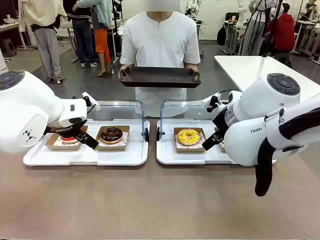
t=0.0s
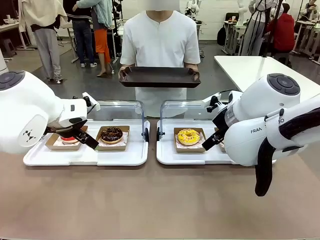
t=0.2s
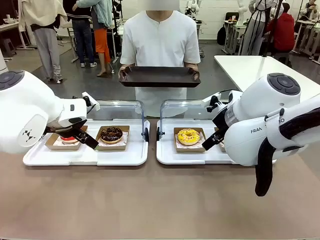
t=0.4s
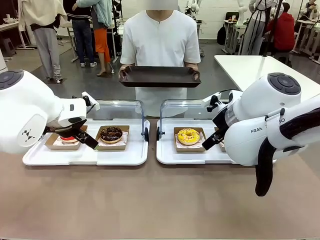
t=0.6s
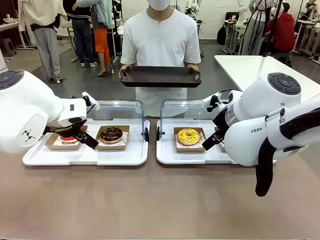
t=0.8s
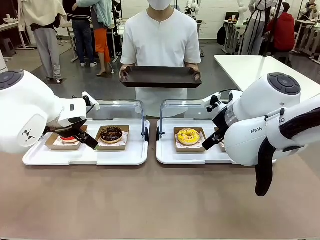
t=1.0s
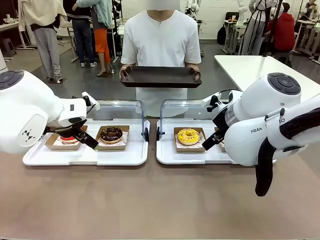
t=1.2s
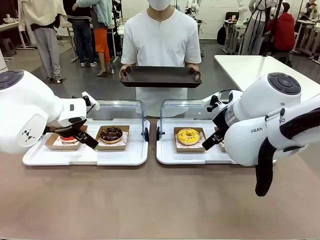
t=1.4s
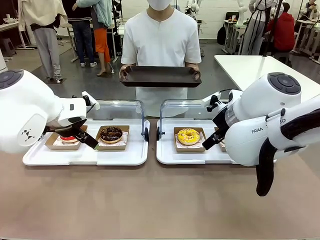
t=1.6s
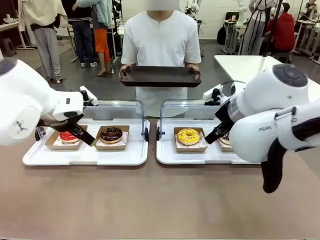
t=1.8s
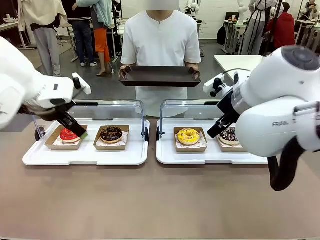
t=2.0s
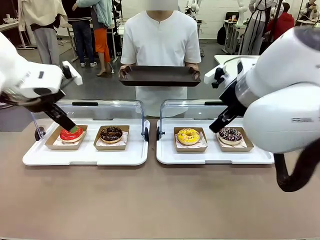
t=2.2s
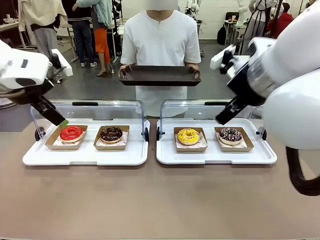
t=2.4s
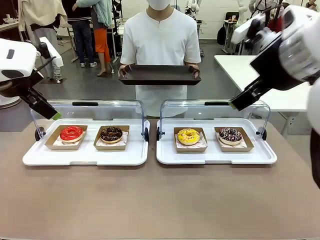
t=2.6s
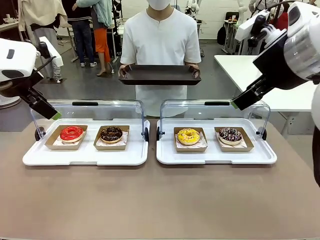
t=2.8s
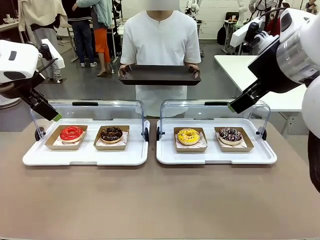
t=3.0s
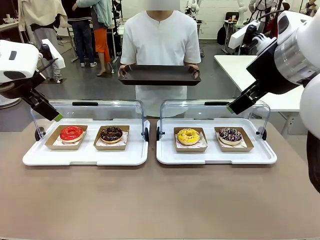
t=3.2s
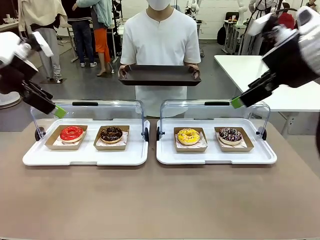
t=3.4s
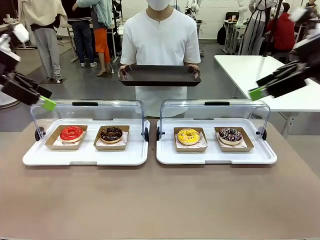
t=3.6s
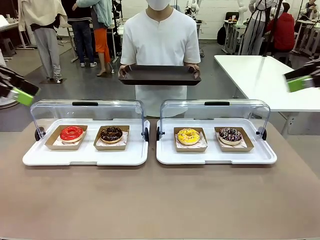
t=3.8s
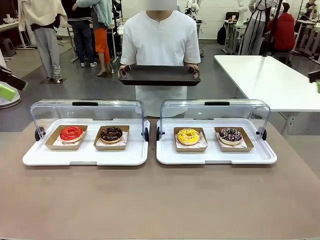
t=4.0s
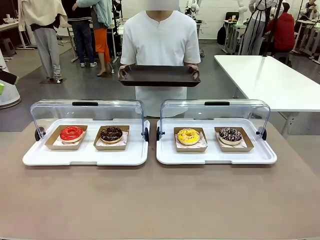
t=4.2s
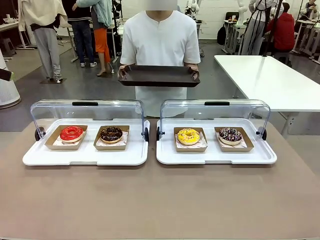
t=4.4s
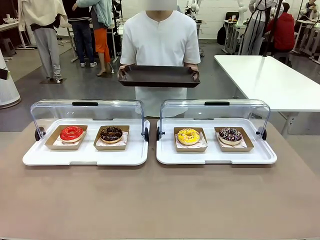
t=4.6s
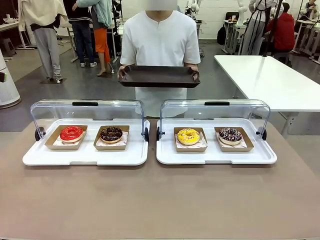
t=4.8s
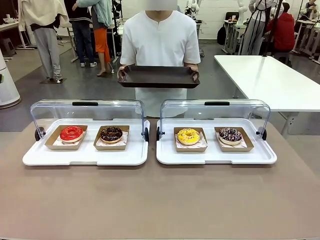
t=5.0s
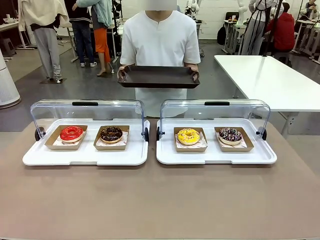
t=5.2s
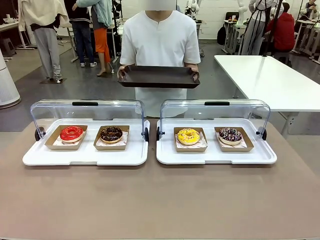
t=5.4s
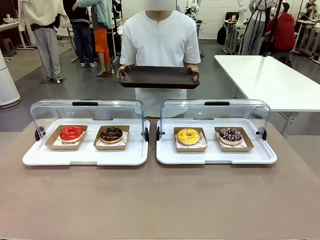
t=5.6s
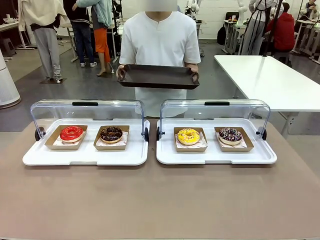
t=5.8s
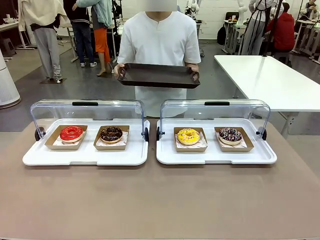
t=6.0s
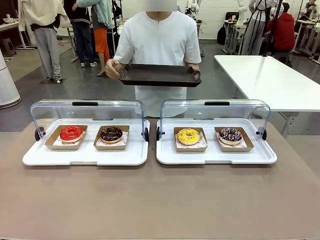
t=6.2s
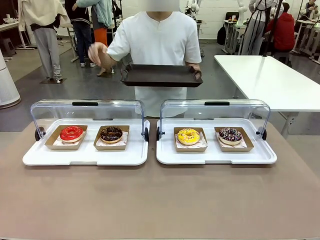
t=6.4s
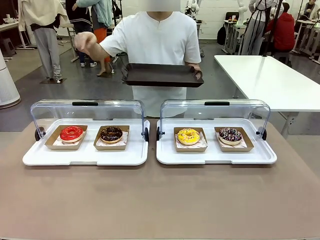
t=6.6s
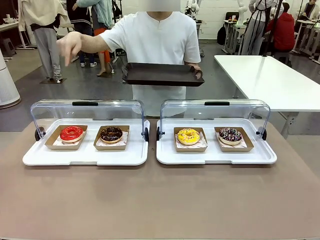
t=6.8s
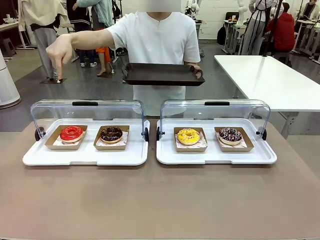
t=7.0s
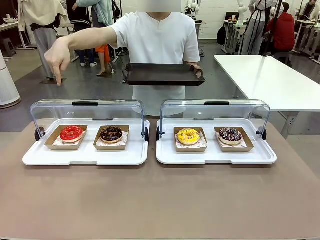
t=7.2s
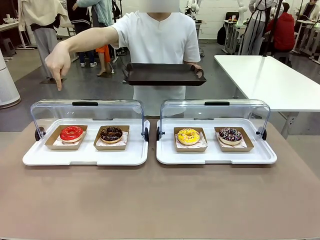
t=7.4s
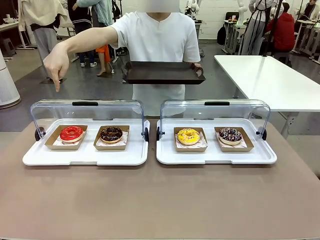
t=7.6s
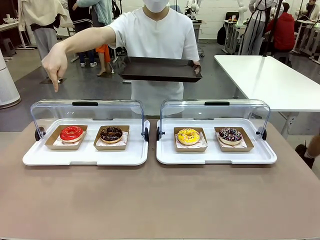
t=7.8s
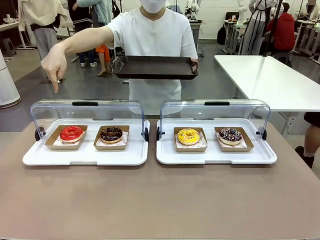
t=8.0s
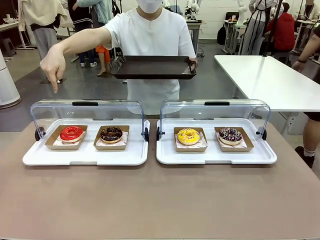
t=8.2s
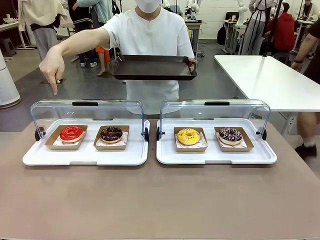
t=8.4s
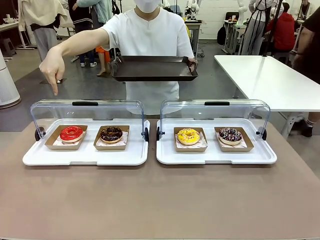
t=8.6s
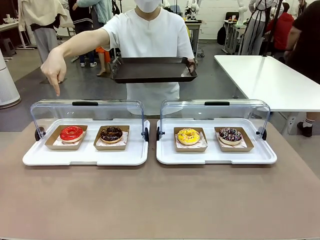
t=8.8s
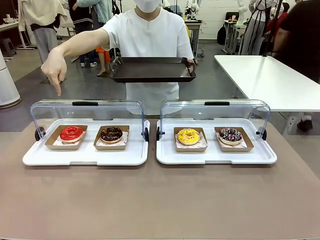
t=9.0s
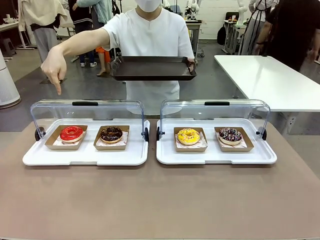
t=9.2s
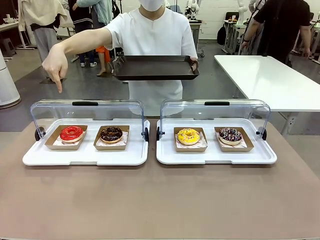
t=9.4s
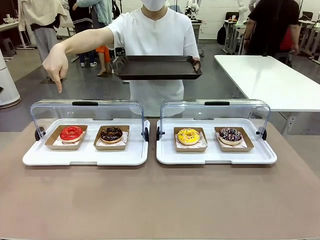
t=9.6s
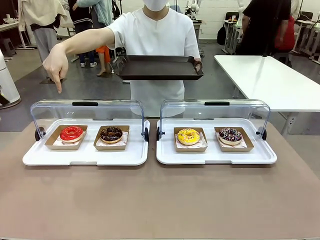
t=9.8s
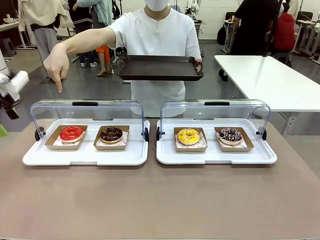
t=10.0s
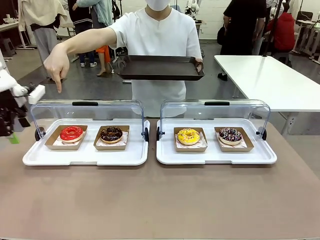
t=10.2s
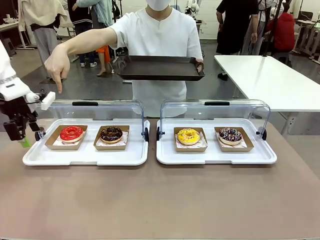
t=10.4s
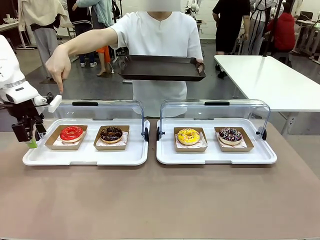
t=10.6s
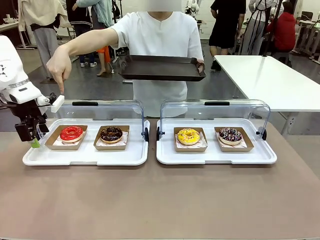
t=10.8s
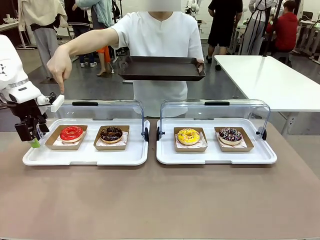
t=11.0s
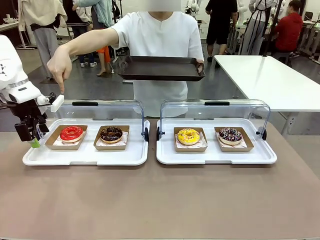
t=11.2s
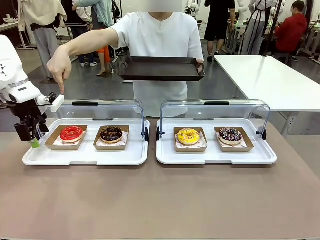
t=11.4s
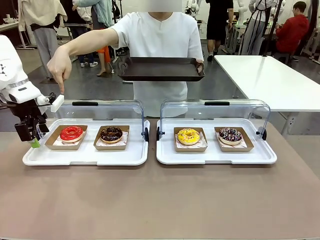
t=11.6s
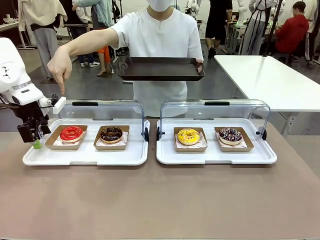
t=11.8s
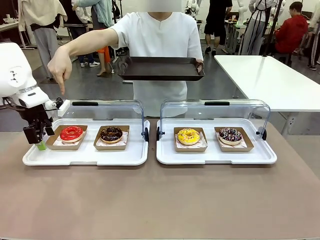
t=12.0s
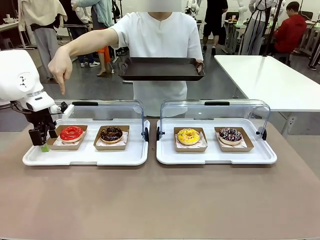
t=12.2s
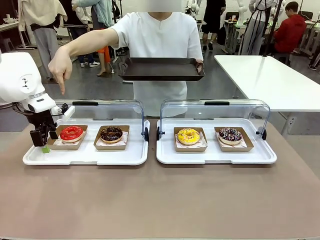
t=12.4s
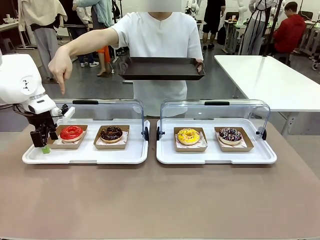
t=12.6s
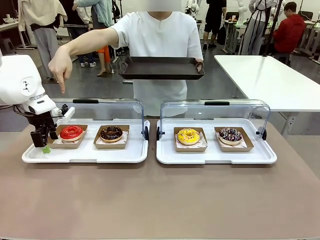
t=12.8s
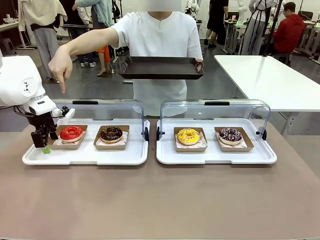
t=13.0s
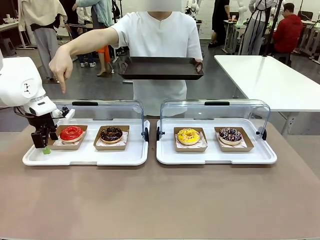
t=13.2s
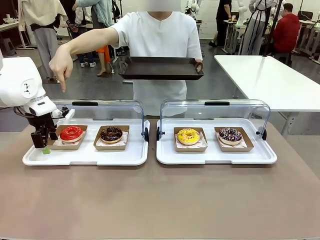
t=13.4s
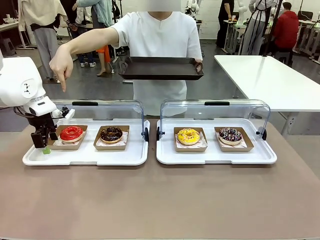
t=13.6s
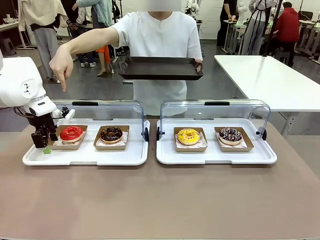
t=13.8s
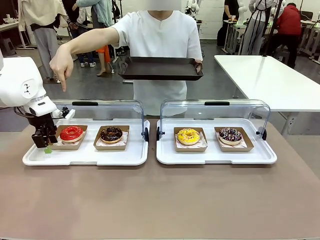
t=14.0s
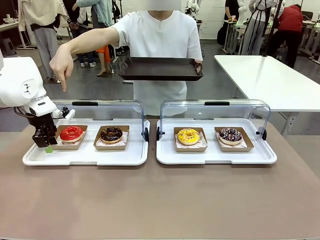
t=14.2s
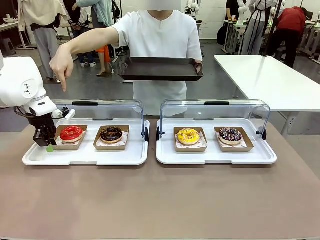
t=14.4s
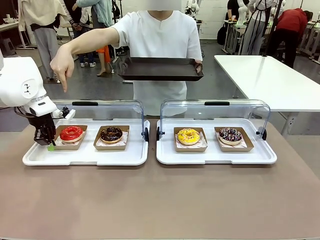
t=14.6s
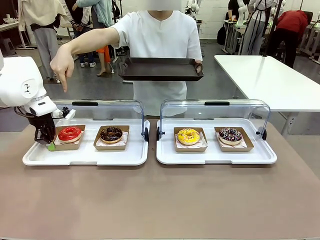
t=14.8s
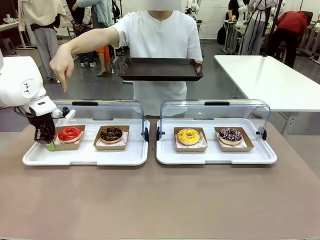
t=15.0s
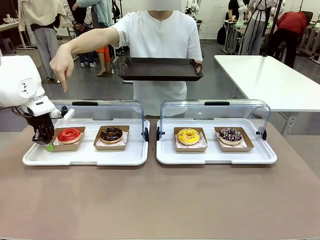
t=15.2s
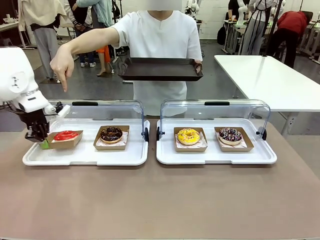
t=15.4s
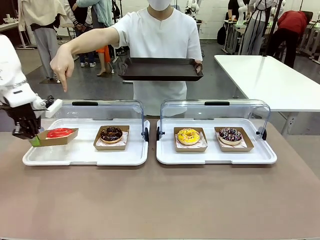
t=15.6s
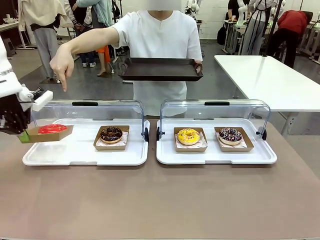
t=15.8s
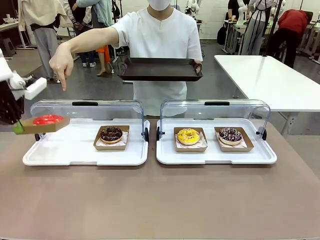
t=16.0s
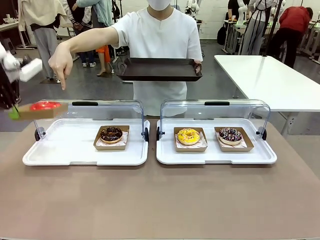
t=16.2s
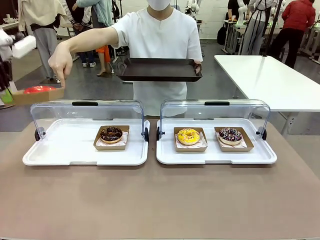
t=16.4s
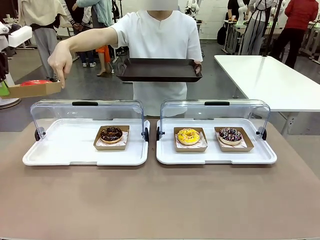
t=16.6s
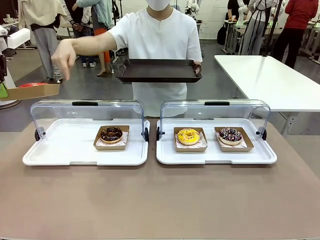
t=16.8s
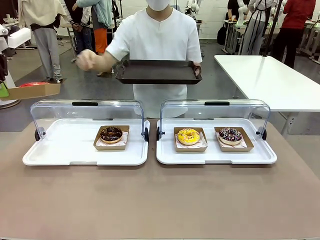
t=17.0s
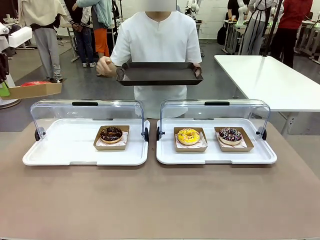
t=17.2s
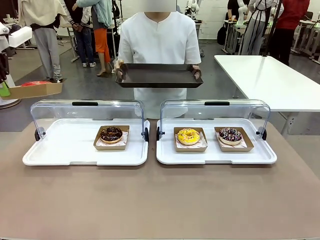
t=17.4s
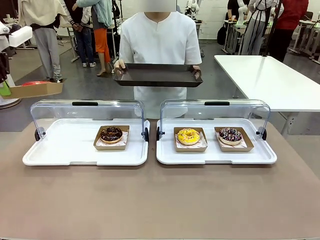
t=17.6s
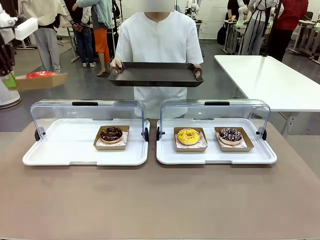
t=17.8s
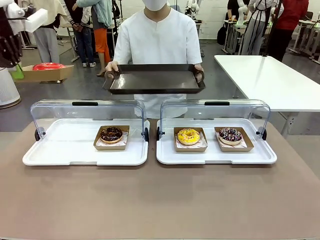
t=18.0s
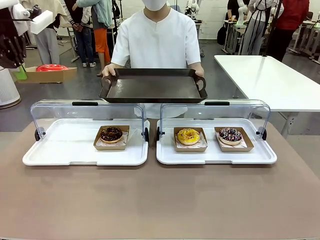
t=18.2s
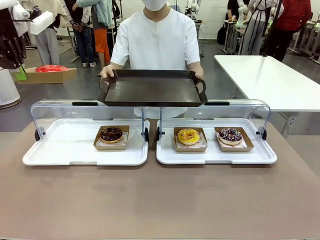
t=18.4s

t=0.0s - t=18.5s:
Task: Provide the desired donut to the person.
Robot: Pick up and lift the Paper togo box containing the Donut pointed at by the person.
Person: Point to one donut. Lift the tray onto the Roll-Top Bakery Case.

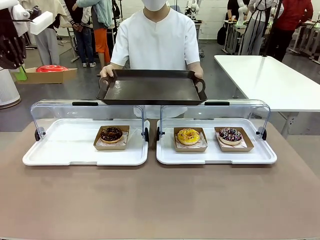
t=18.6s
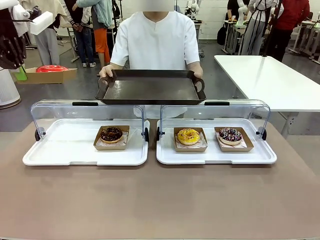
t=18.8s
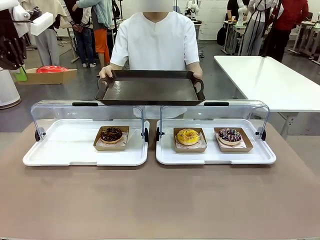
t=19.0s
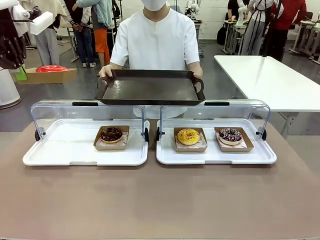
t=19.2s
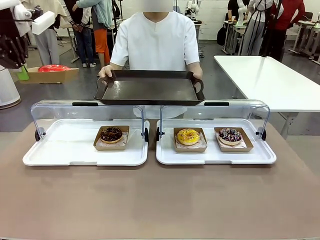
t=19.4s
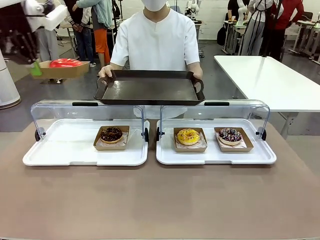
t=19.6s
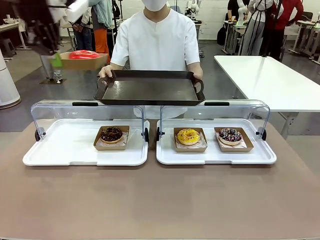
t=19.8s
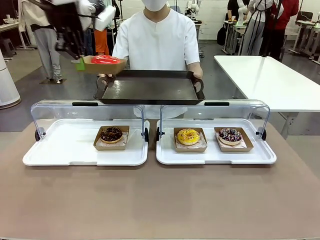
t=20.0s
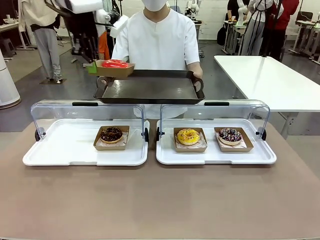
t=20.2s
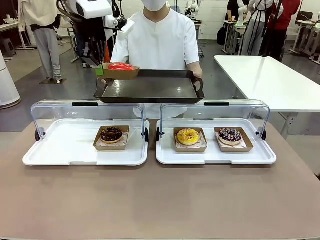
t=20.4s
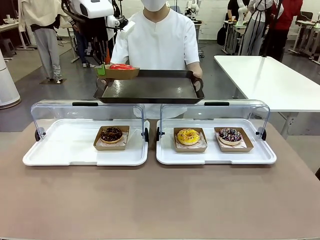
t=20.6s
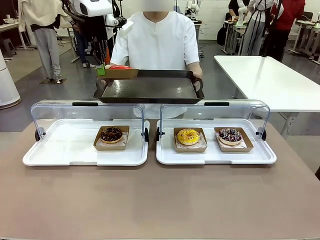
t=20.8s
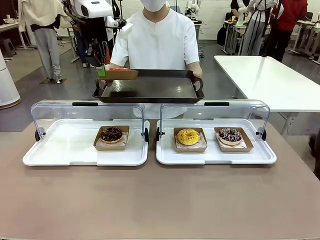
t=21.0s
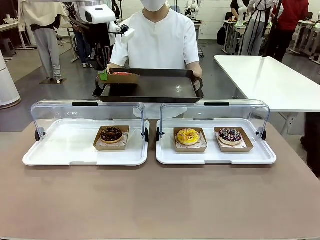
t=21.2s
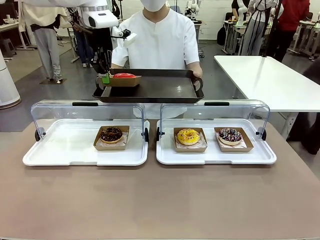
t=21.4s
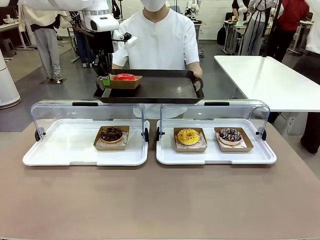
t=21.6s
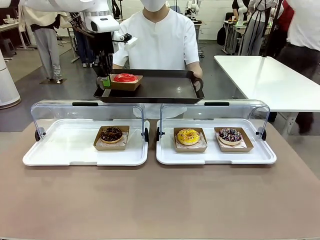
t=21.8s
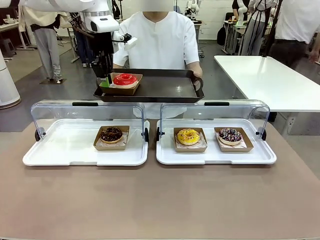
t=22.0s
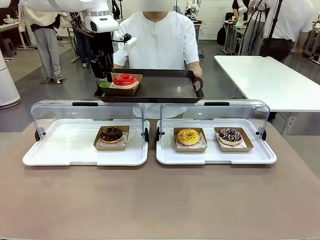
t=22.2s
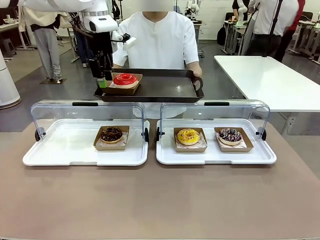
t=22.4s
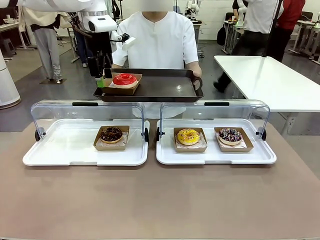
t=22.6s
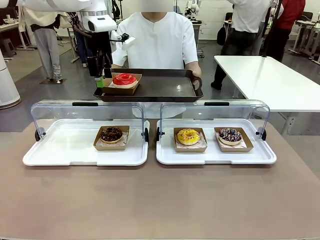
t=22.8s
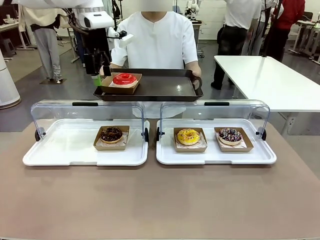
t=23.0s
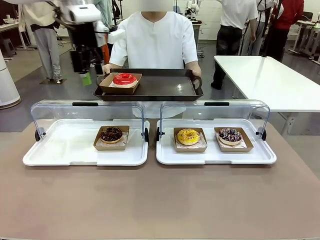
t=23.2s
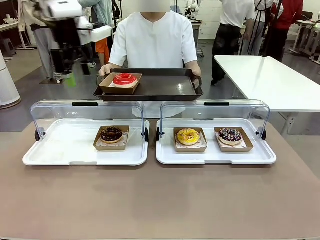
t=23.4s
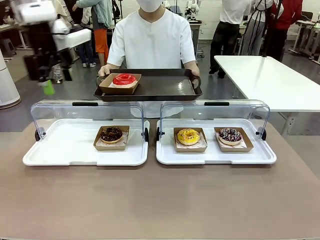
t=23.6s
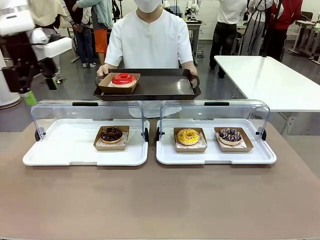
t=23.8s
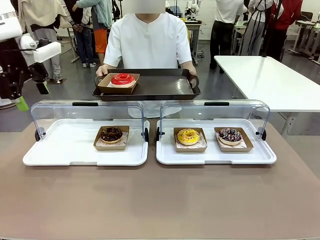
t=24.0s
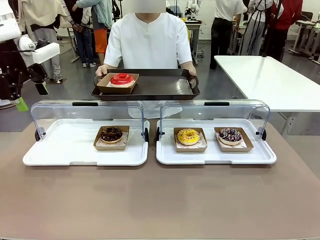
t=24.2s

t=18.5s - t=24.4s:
Robot: Place the picked Paper togo box onto the Handle tray extended by the person.
